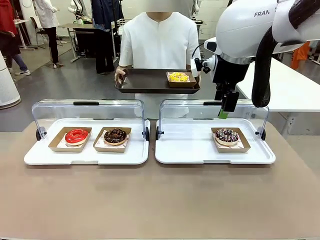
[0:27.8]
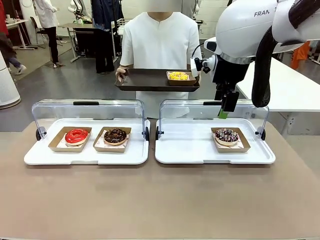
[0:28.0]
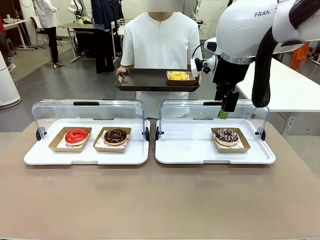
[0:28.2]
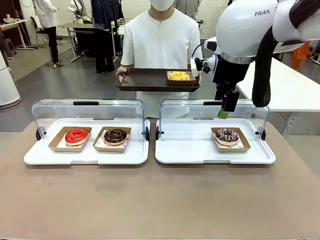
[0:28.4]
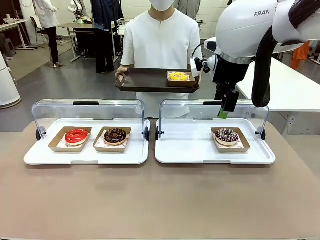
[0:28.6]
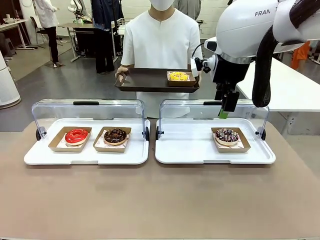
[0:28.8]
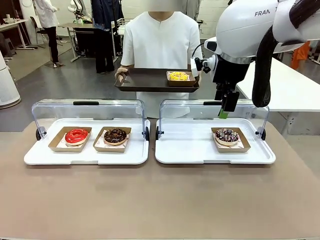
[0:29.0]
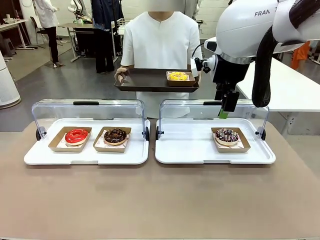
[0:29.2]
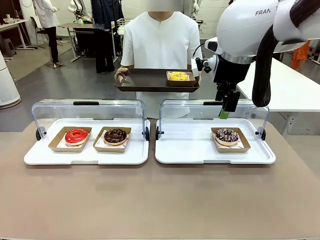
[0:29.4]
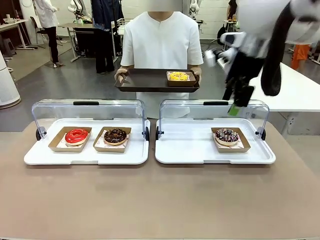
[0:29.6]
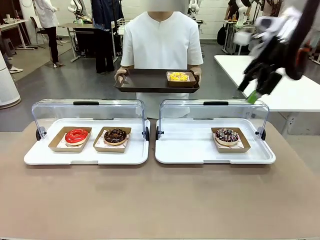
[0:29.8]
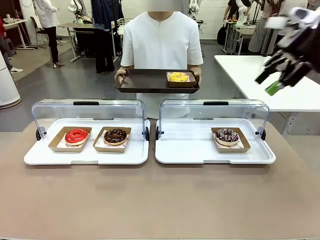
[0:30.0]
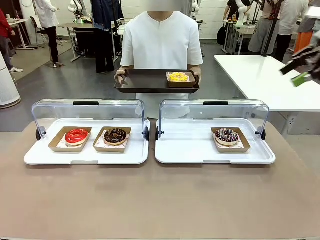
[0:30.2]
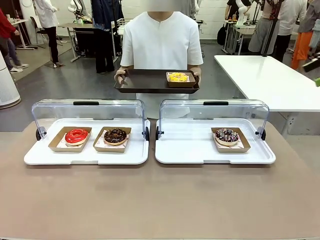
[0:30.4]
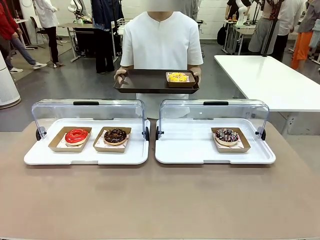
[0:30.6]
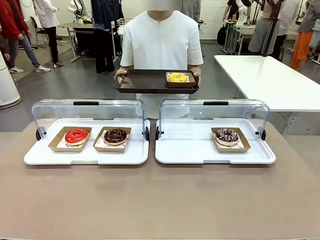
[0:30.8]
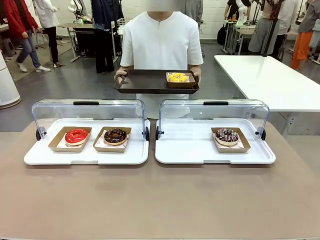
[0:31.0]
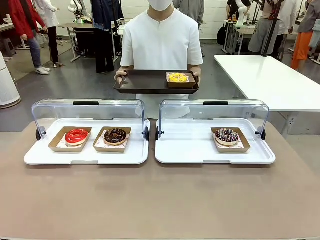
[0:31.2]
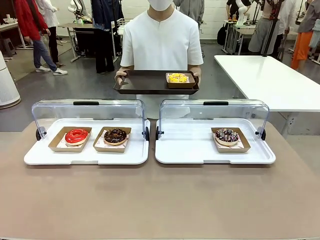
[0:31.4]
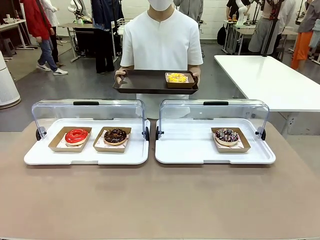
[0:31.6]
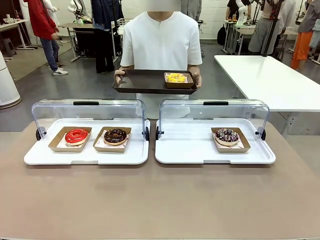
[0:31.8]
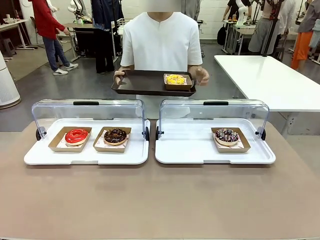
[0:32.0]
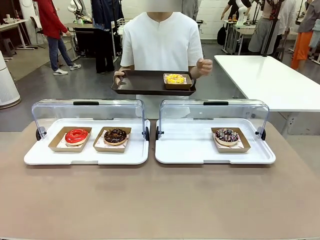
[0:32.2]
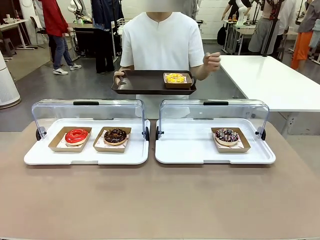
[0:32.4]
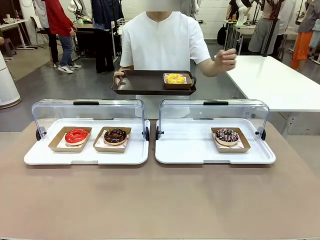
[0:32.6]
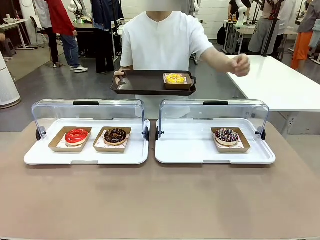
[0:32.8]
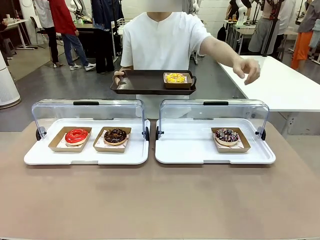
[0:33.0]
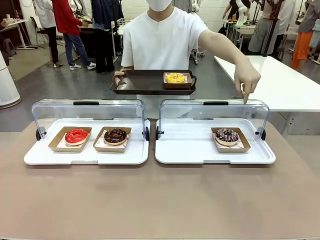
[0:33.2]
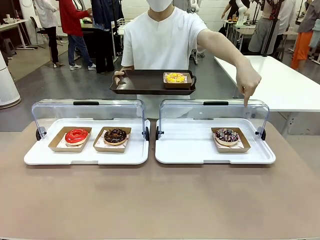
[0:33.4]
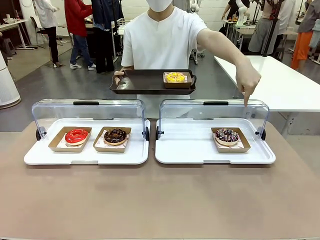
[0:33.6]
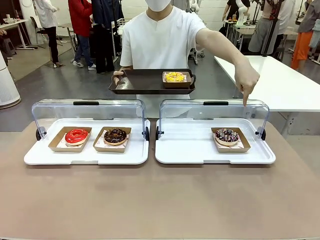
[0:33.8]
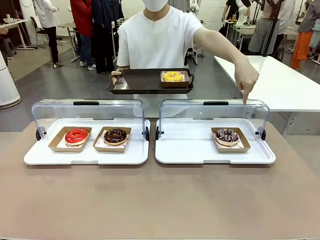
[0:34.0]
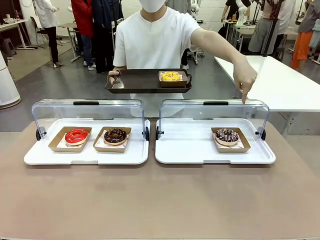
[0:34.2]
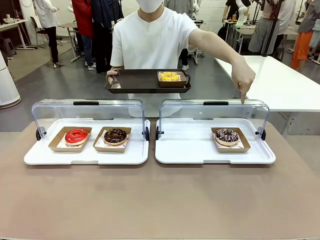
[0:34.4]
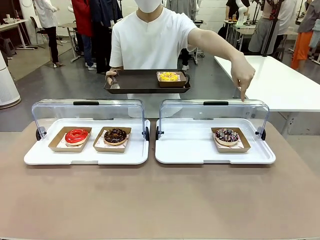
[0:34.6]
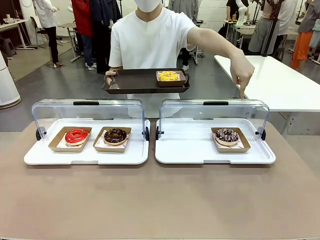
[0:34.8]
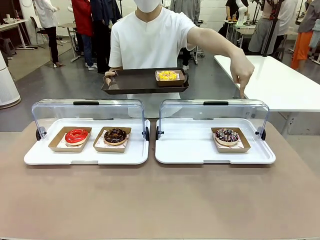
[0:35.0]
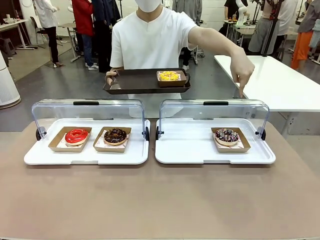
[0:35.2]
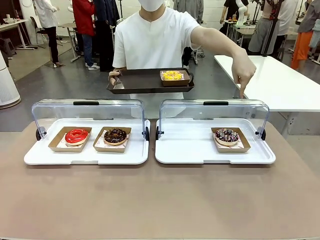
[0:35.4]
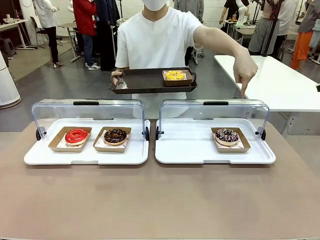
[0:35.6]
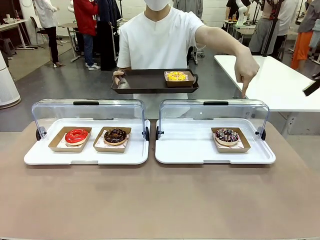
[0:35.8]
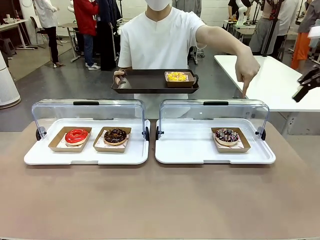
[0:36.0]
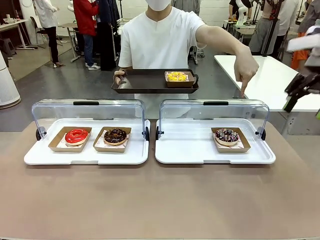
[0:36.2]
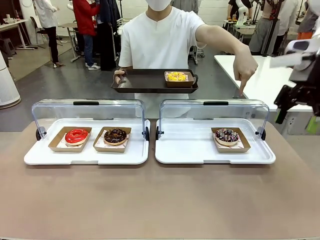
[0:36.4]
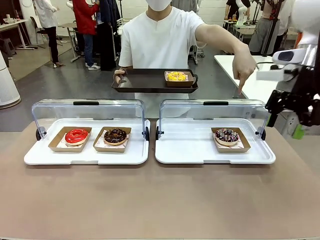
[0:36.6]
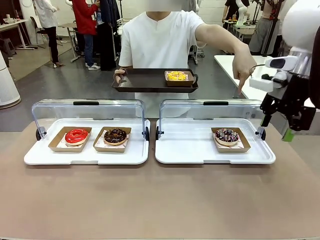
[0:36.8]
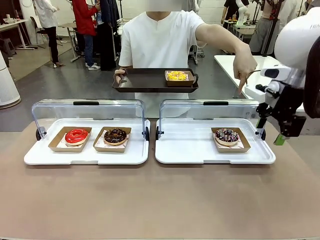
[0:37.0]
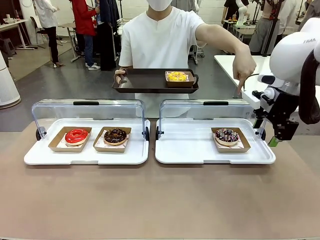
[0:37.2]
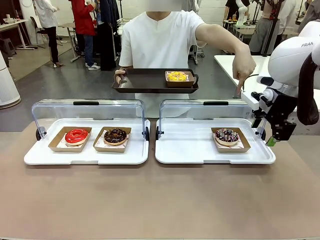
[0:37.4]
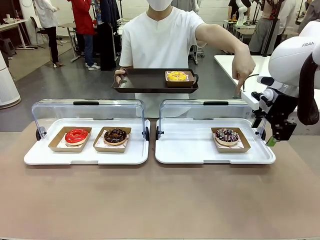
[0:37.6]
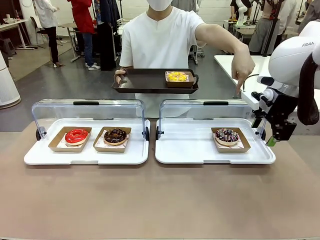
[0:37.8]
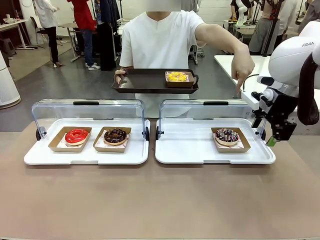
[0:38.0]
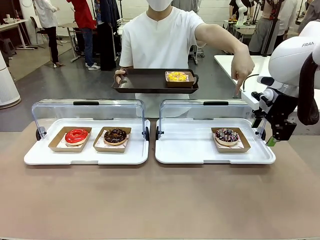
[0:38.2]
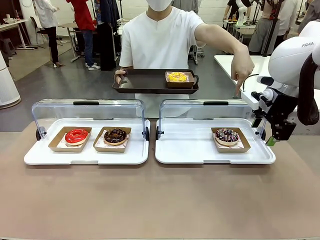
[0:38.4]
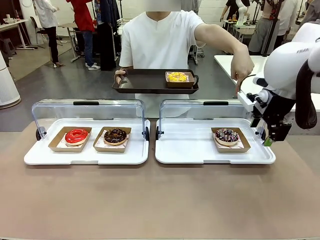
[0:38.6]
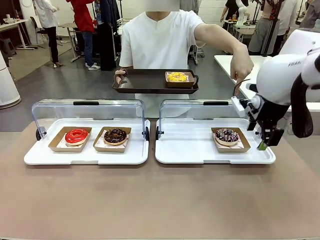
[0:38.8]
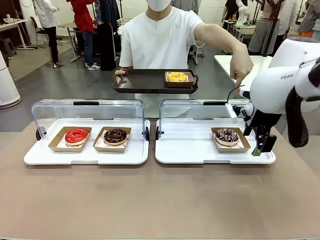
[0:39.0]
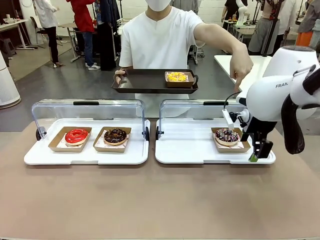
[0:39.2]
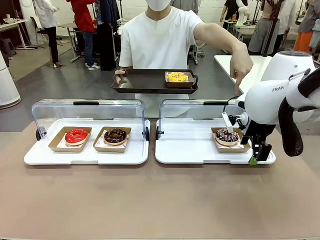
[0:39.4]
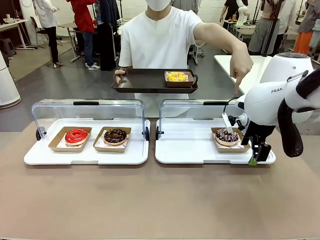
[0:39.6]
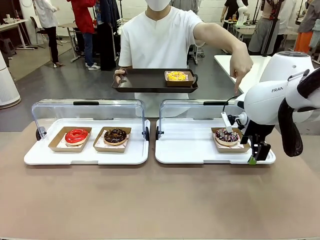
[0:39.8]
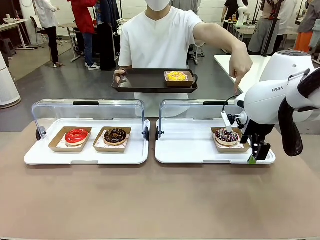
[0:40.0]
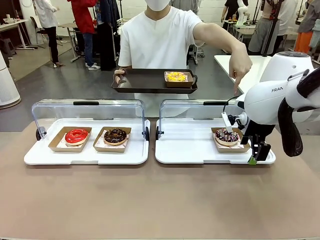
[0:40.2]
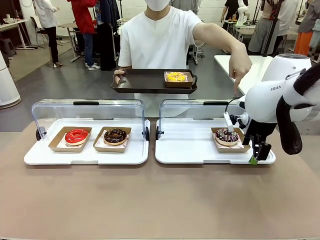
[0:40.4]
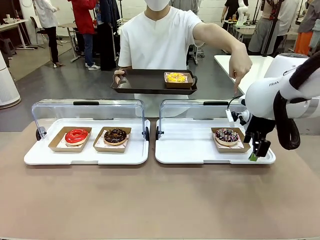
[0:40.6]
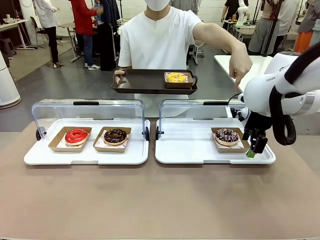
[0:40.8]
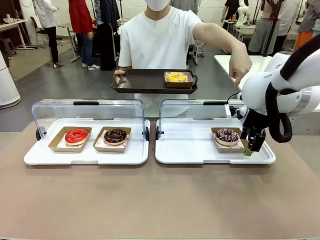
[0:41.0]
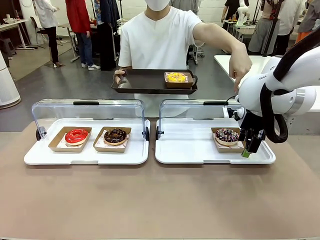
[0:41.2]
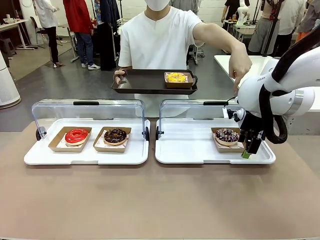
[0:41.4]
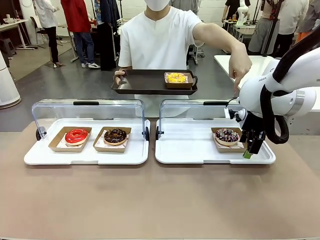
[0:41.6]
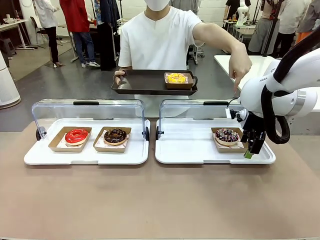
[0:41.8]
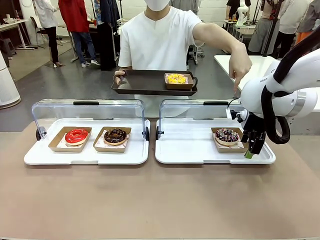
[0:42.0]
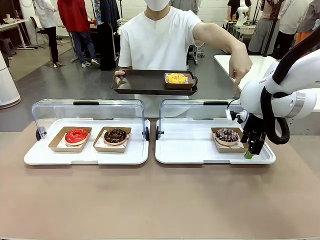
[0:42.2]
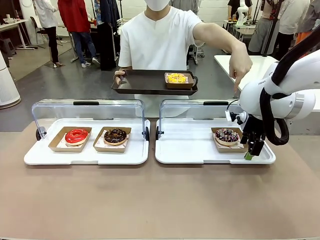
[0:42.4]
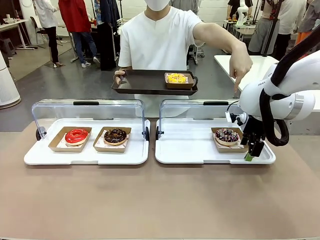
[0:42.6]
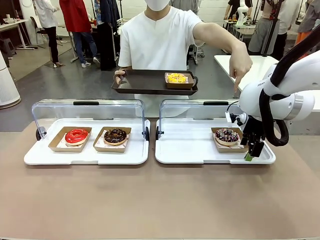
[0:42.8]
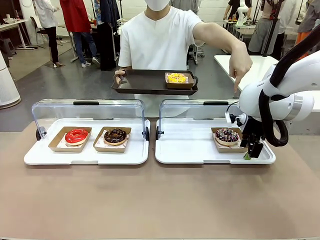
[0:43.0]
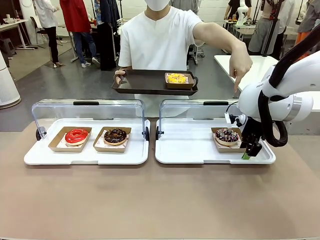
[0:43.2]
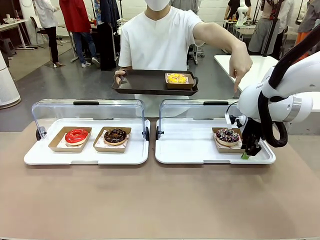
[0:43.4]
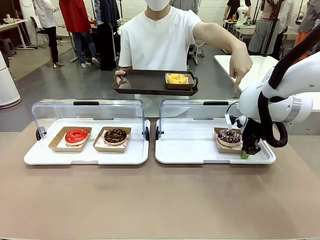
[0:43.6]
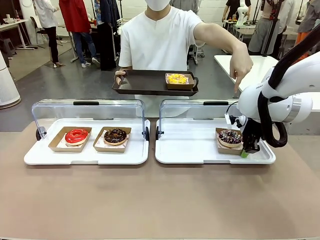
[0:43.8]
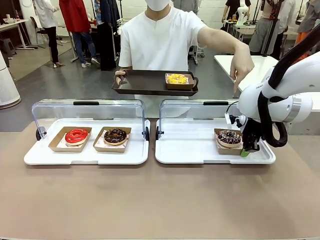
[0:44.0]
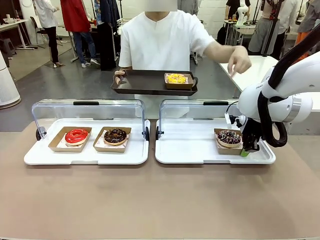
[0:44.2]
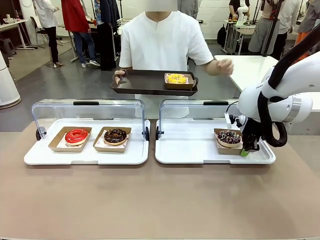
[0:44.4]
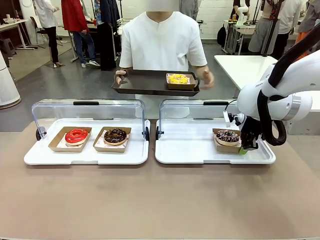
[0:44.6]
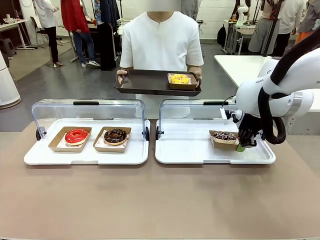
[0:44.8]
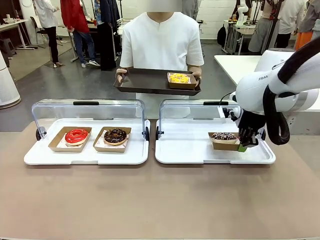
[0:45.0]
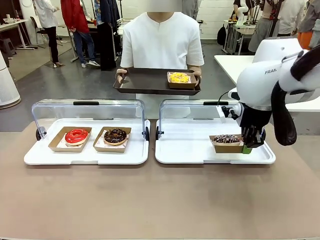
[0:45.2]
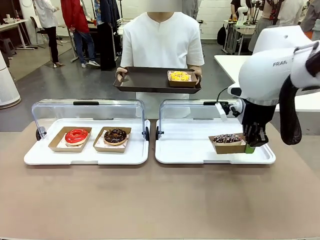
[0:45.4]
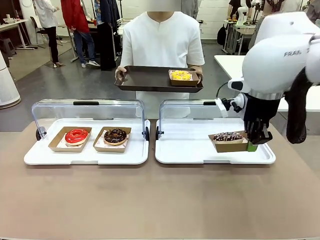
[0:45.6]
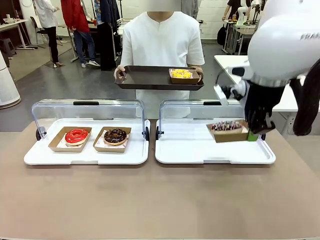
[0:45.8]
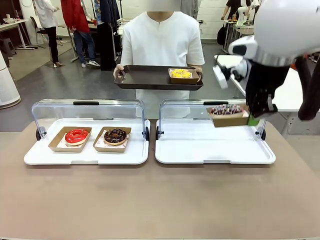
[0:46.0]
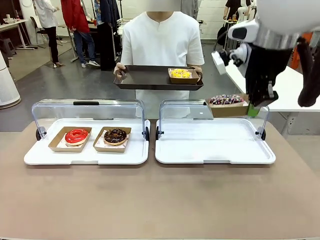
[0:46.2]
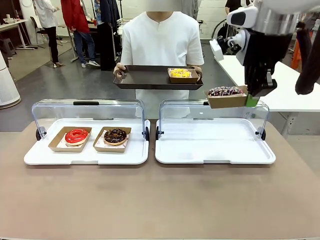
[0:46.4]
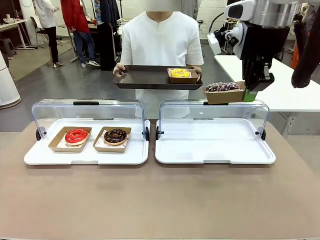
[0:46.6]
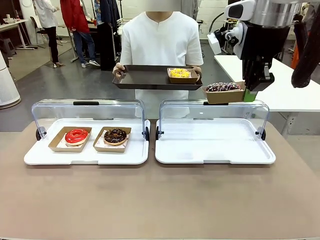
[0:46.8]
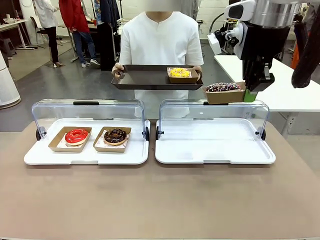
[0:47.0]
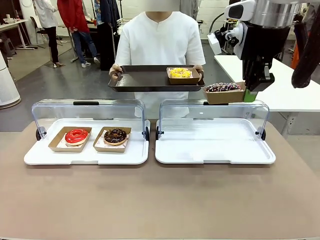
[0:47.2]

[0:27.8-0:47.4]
Task: Provide the desired donut to the person.
Robot: Pick up and lift the Paper togo box containing the Donut pointed at by the person.
Person: Point to one donut. Lift the tray onto the Roll-Top Bakery Case.
